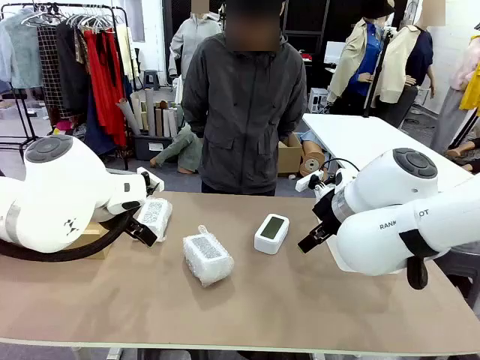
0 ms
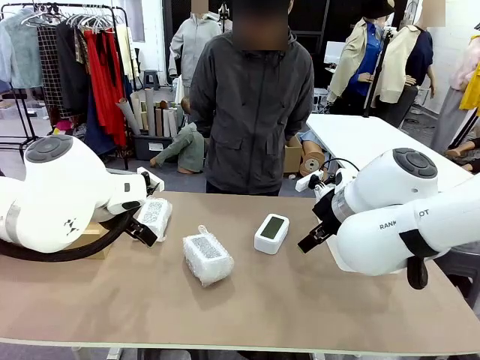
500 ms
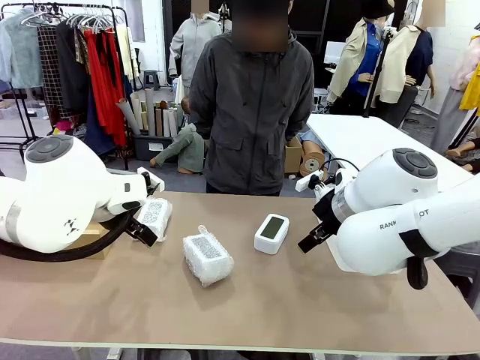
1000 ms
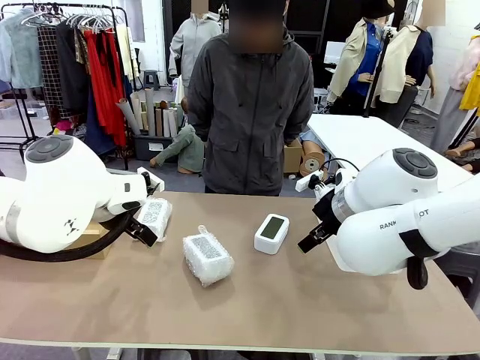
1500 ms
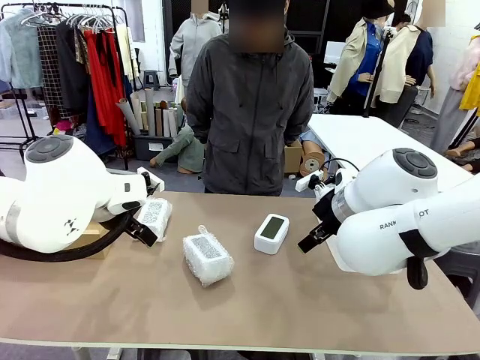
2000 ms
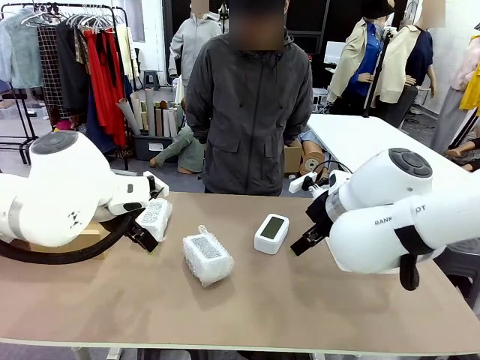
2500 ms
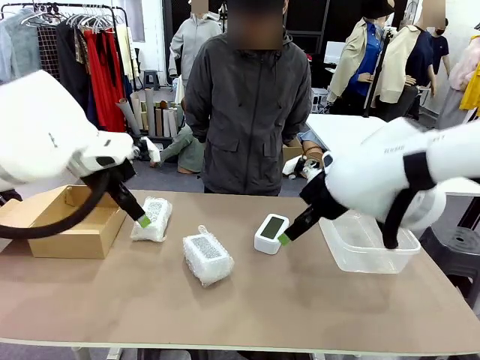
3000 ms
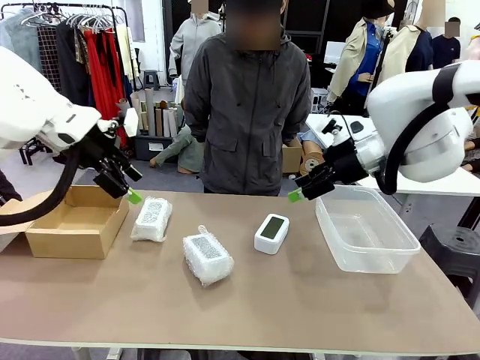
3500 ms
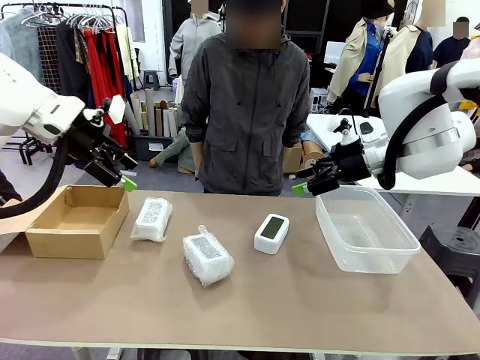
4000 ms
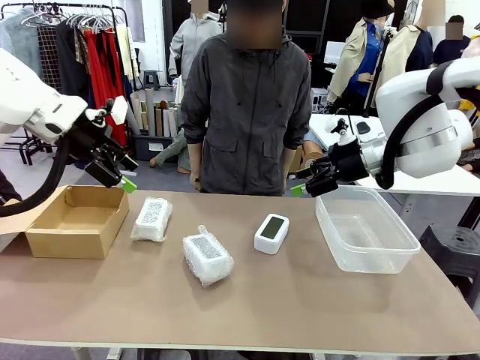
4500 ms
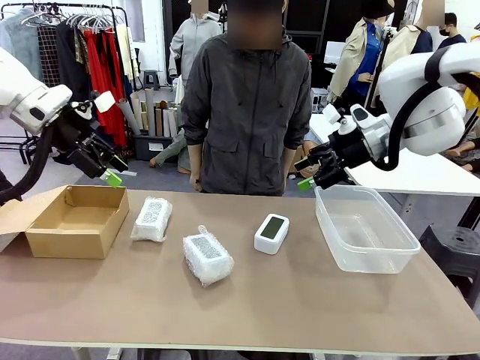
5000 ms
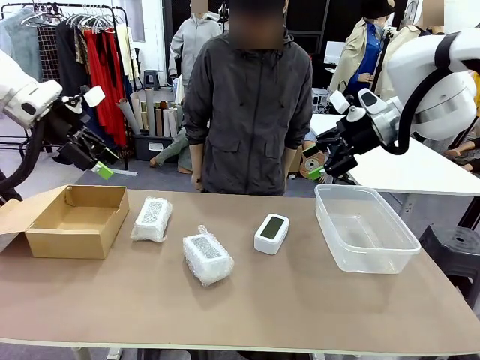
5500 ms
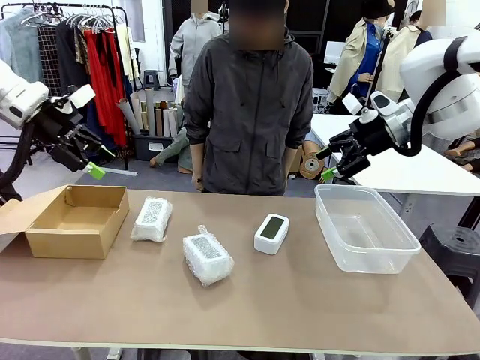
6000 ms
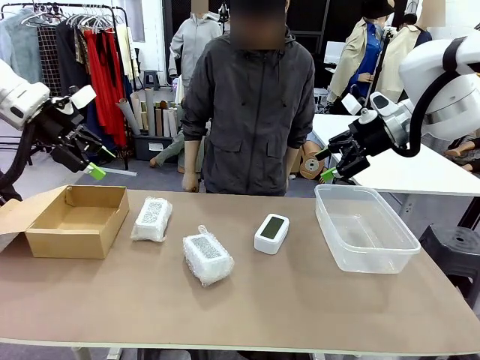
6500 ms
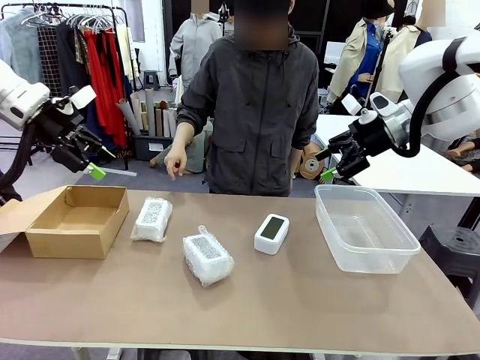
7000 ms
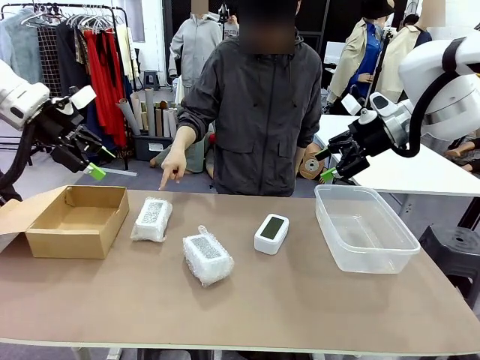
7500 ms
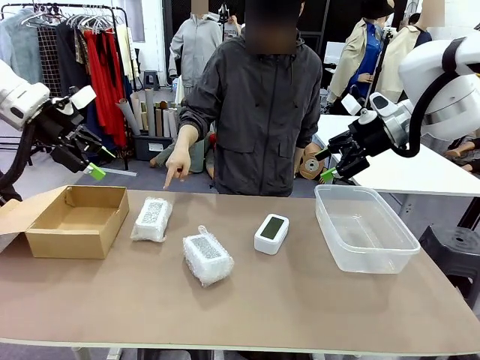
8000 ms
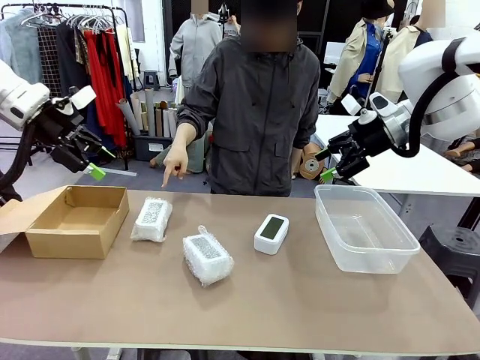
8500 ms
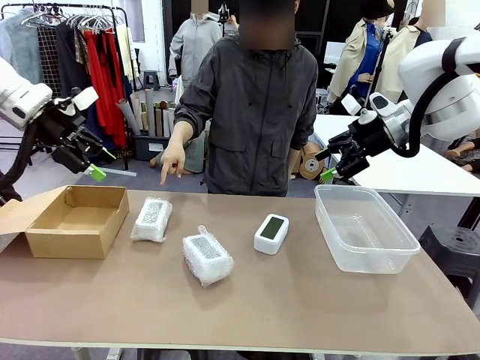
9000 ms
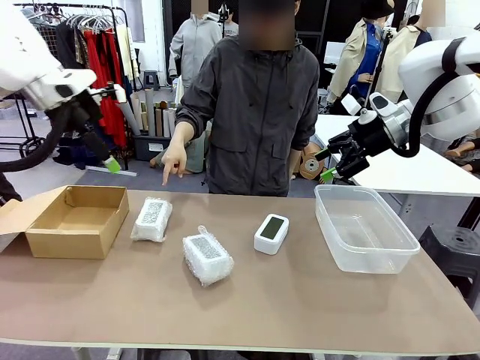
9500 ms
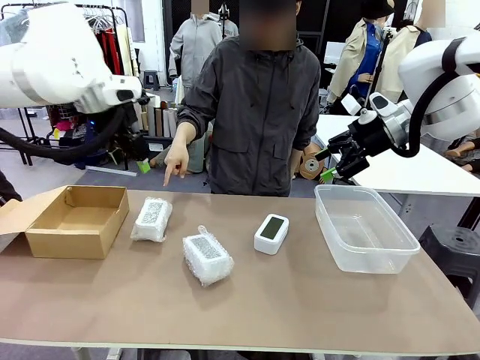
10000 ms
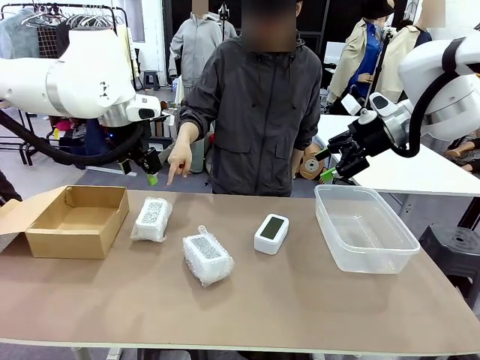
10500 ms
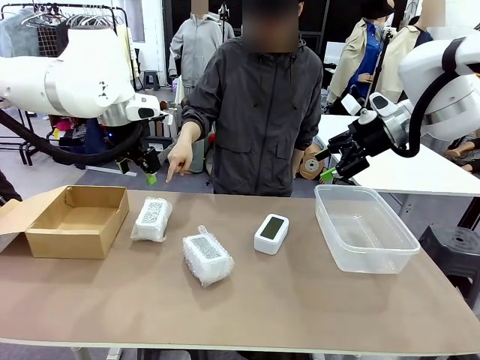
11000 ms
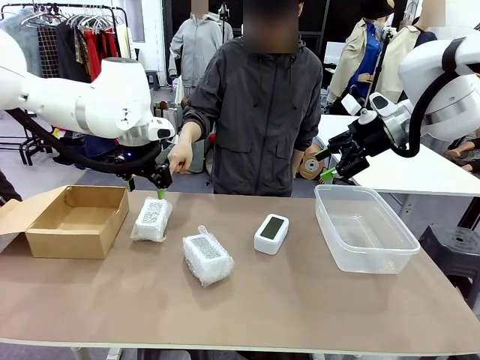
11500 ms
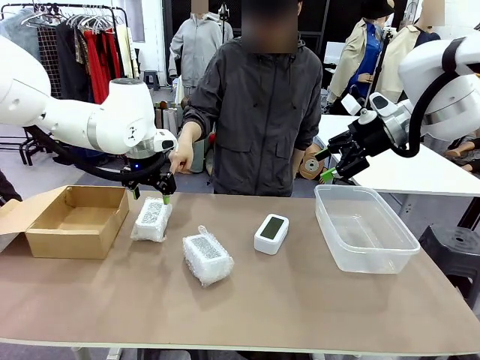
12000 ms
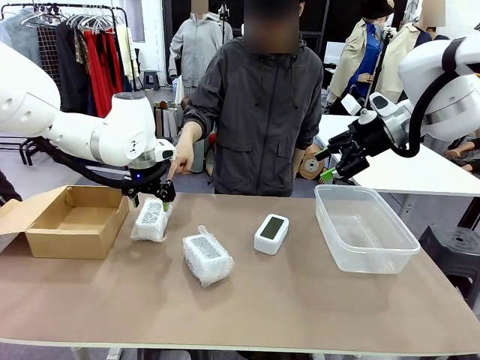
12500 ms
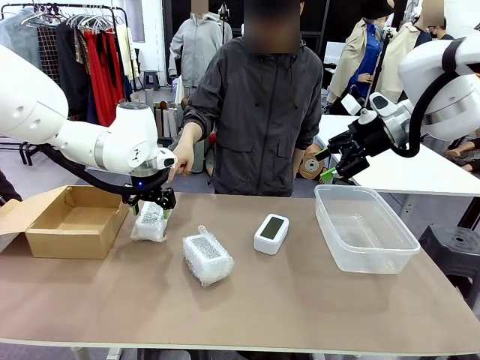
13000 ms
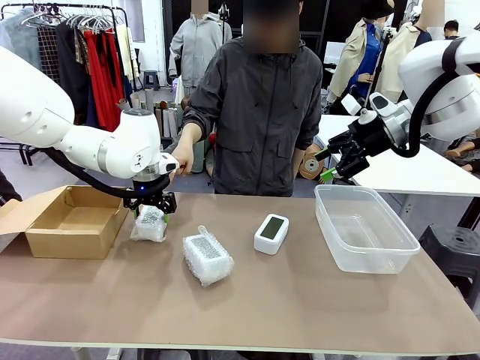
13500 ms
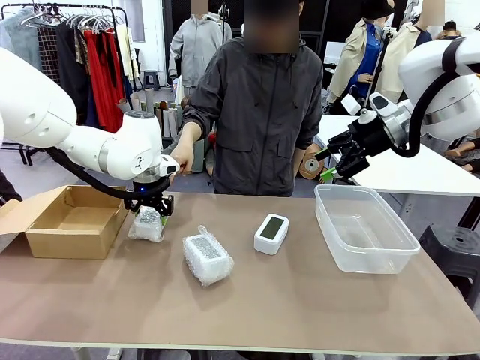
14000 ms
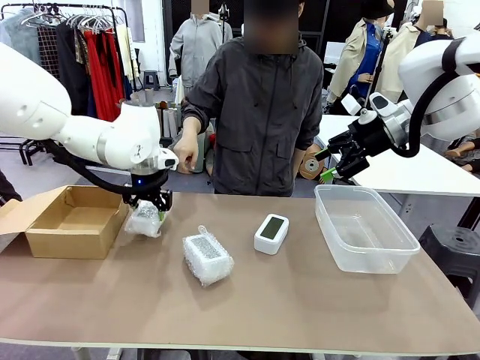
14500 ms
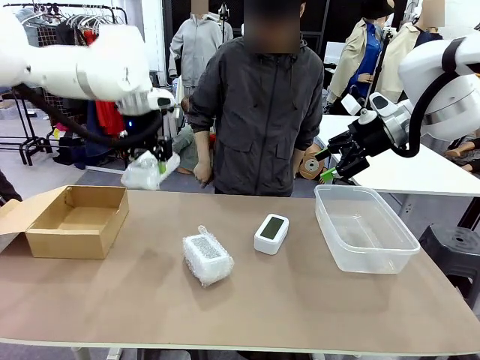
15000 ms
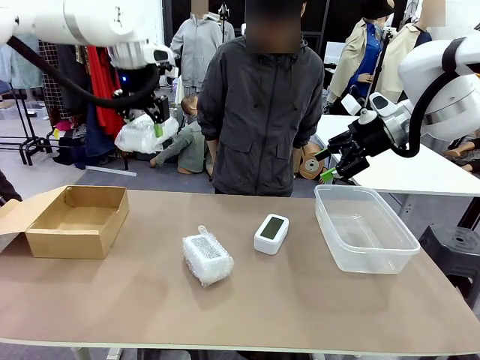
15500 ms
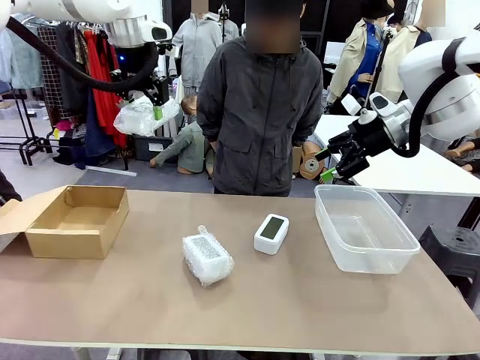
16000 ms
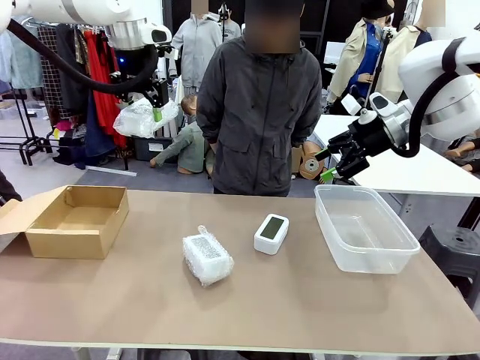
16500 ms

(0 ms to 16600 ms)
Task: Separate and place wrapped and unwrapped clocks.
Robot: Pick up the Digital clock indicated by the person.

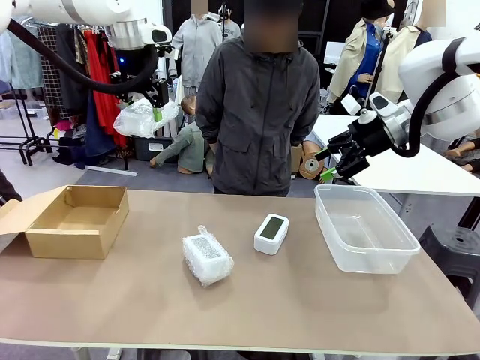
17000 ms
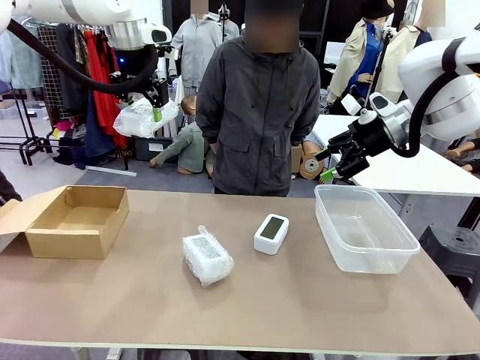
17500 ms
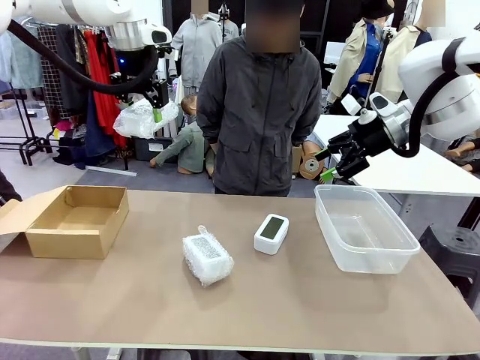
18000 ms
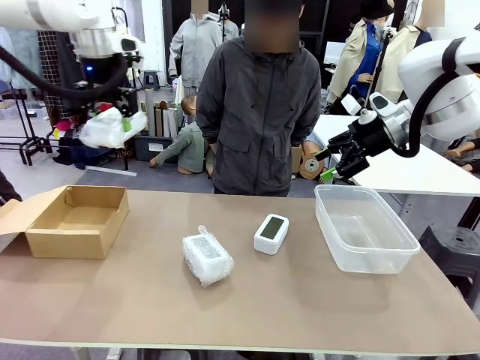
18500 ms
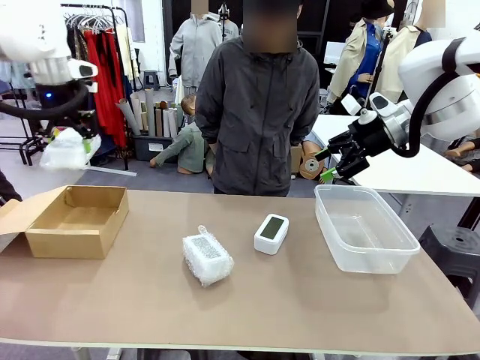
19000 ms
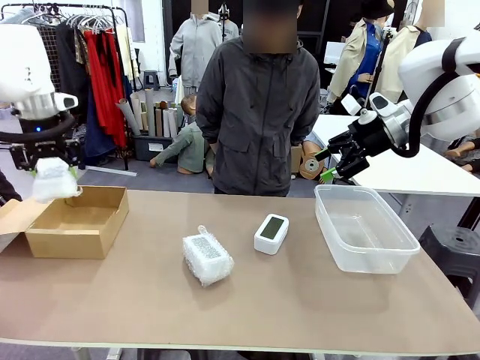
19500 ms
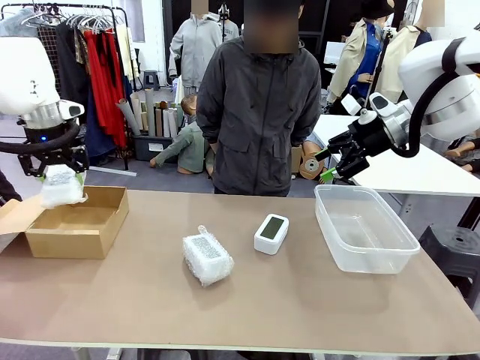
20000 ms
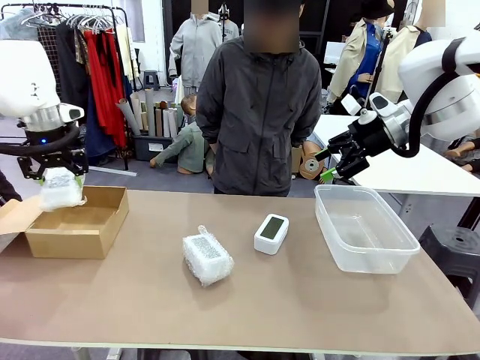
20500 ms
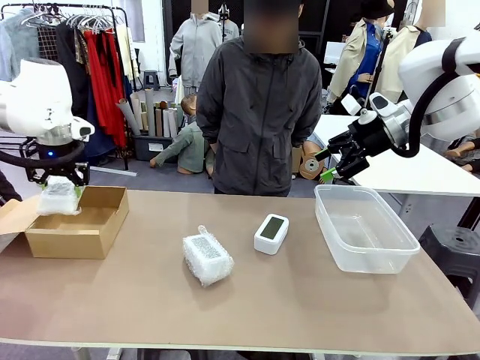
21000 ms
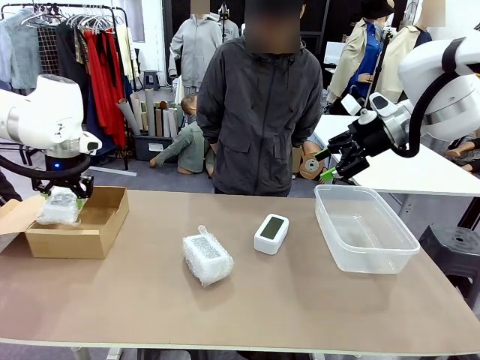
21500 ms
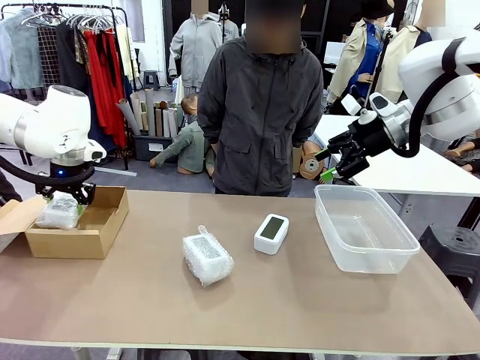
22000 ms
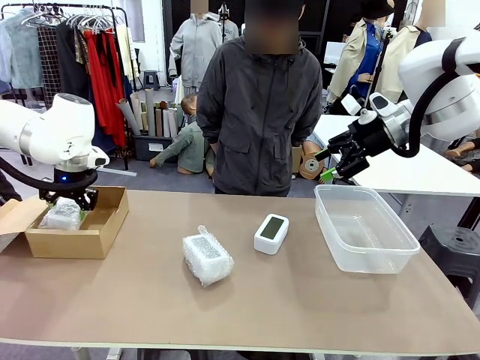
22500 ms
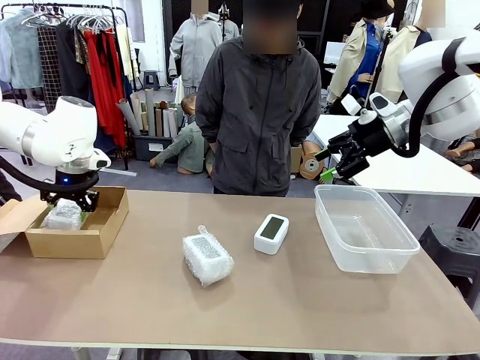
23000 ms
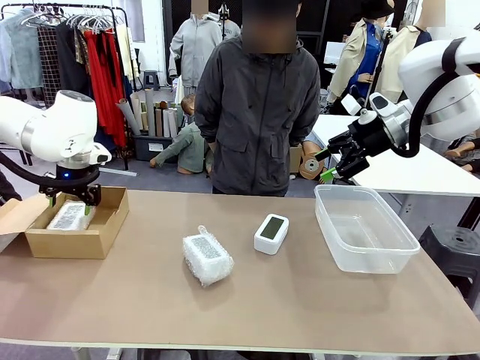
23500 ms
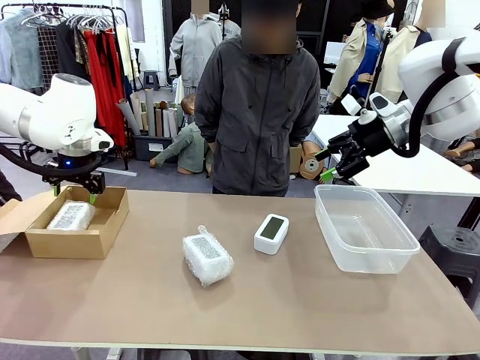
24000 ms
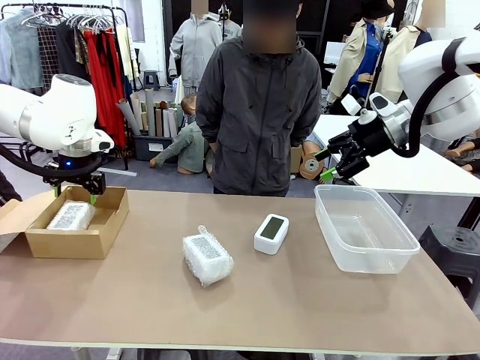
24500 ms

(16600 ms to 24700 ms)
Robot: If the picked Digital clock is wrapped, place it in the Package Box ; if not, place it in the Organizing box.
